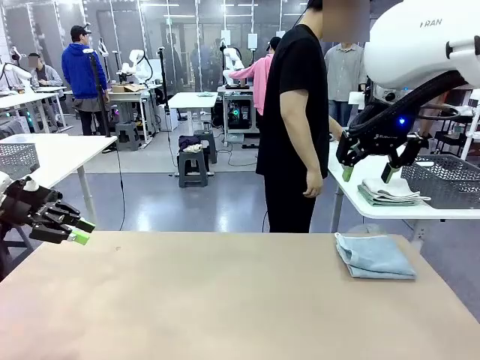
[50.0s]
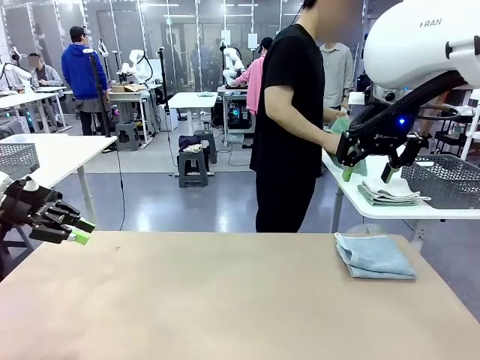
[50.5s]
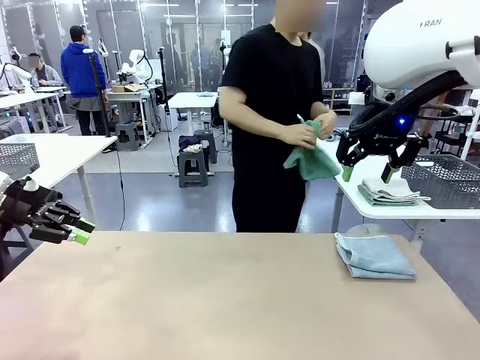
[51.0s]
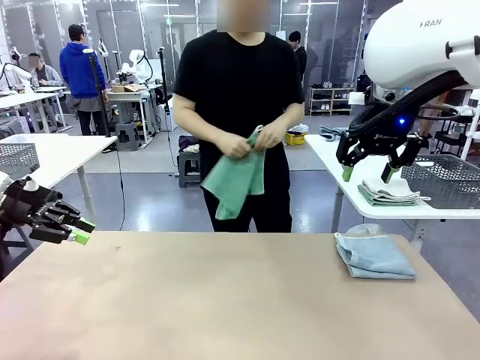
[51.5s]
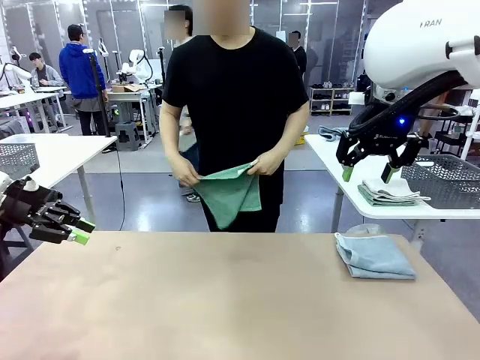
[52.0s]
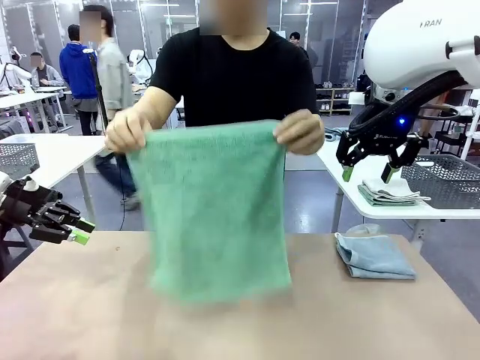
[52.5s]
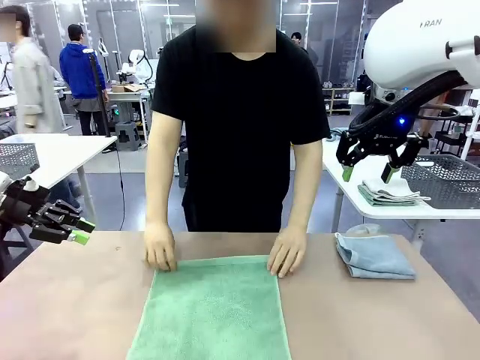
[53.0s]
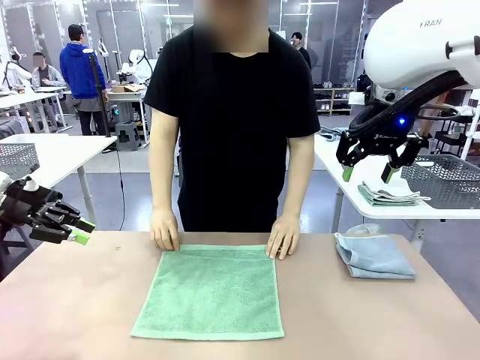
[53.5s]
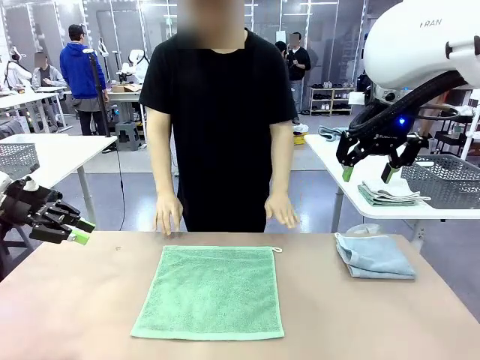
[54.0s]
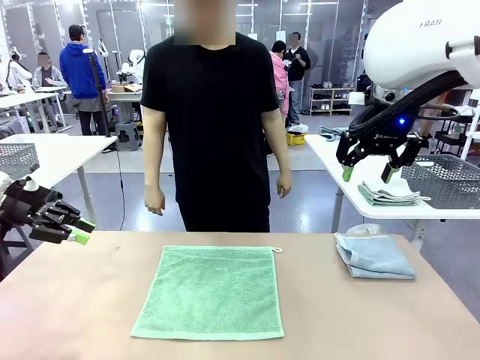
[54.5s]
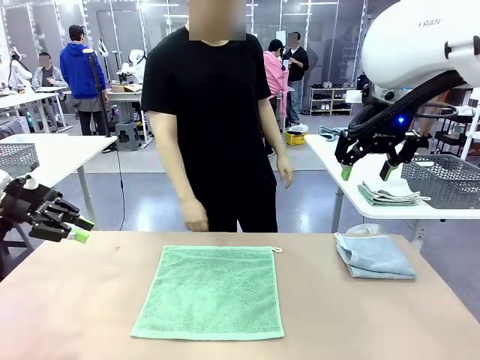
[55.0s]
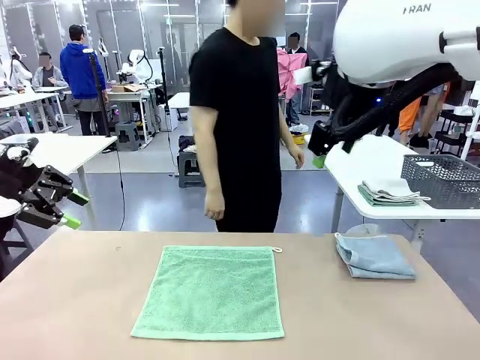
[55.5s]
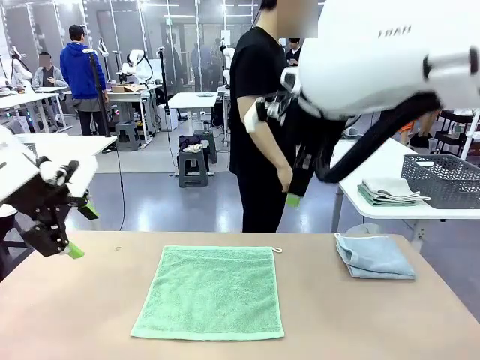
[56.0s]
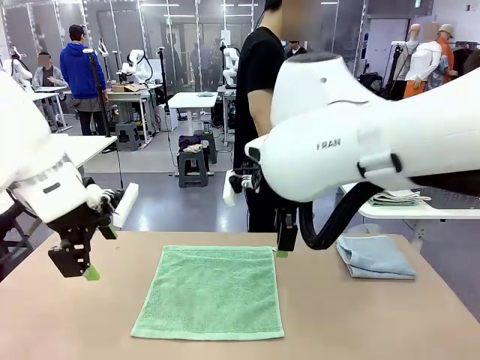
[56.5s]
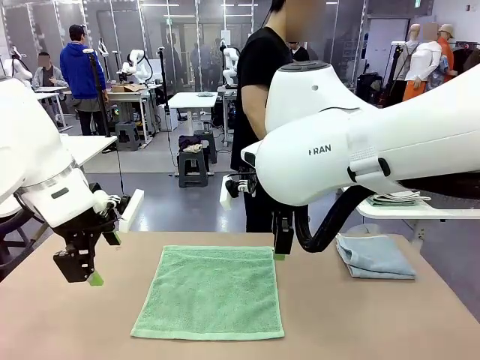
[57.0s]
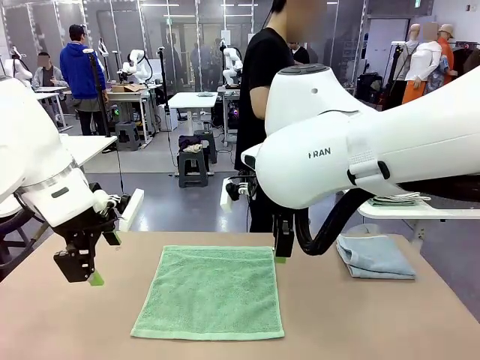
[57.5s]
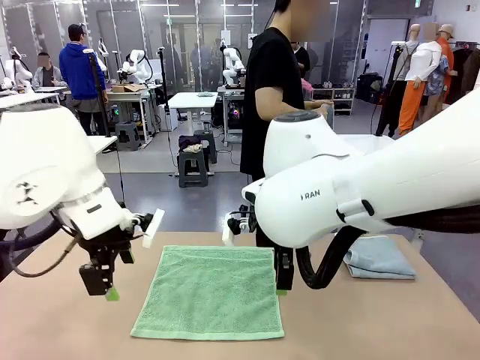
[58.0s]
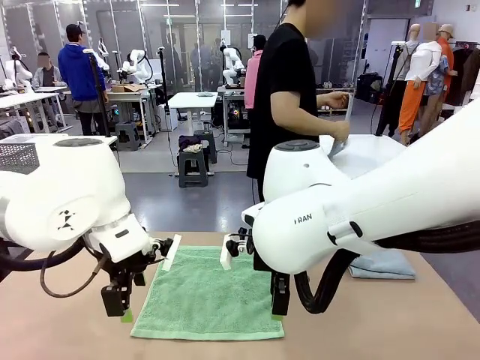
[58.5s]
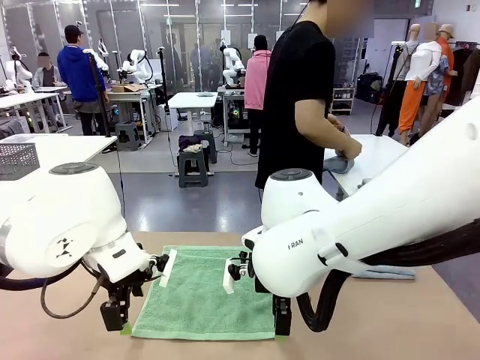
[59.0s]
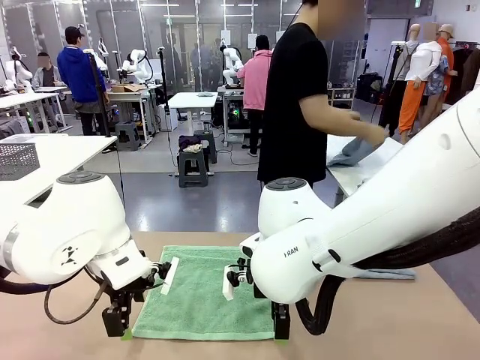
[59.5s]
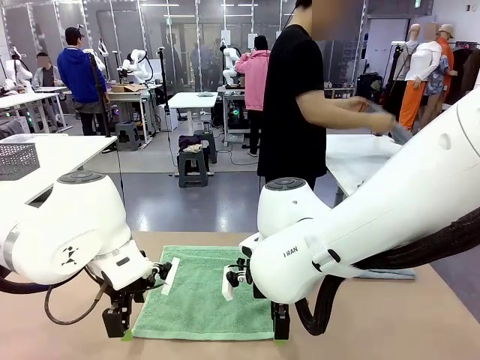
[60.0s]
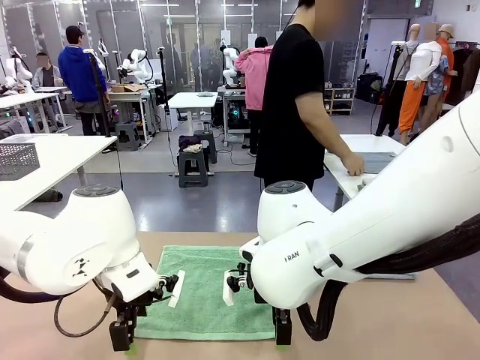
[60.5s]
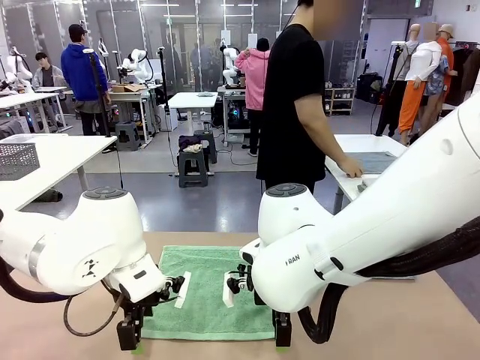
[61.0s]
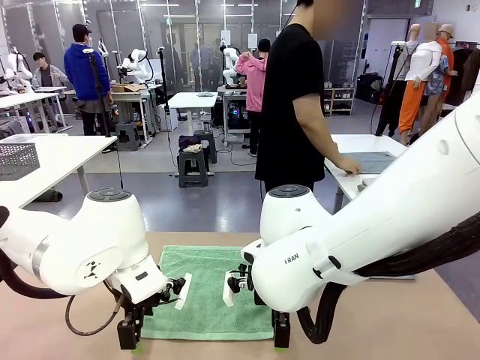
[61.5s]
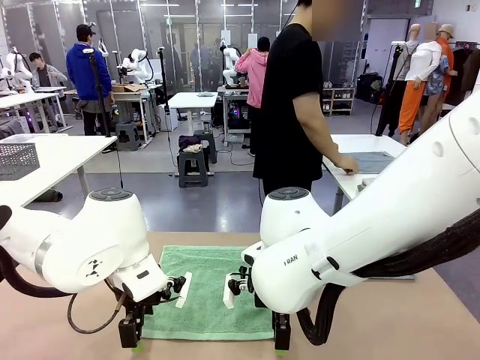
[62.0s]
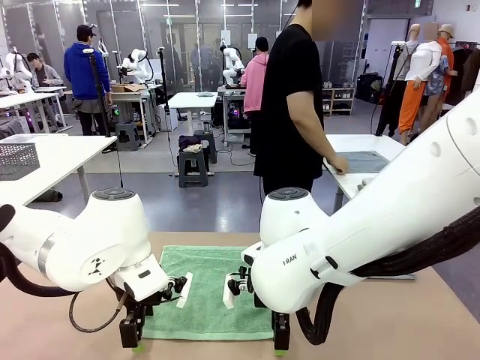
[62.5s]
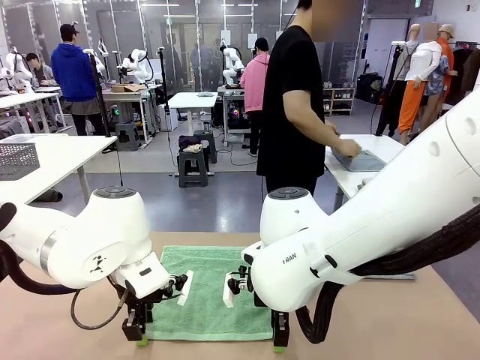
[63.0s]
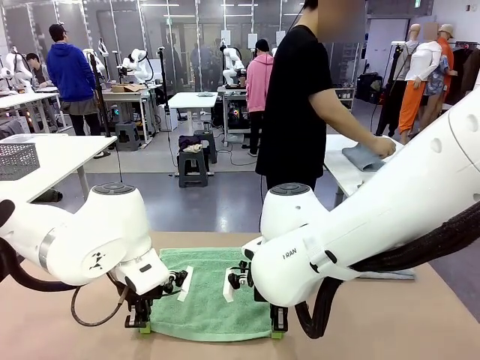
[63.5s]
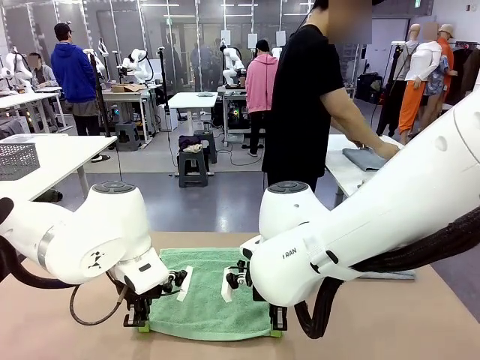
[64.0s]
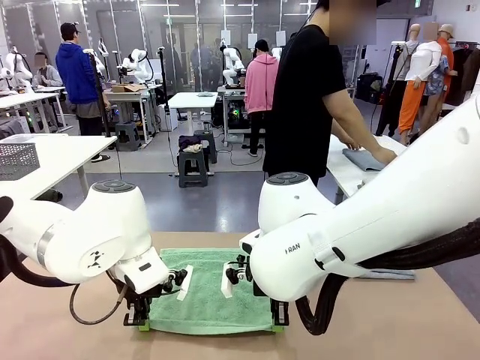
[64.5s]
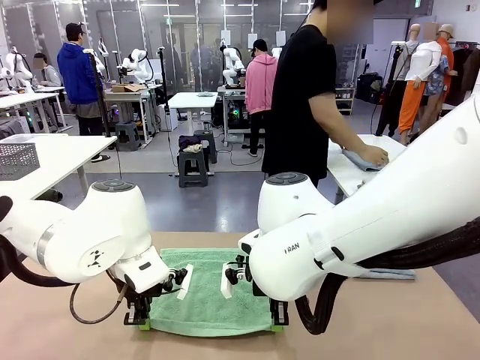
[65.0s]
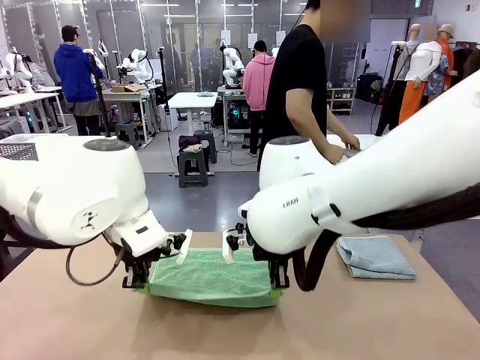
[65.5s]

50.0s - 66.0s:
Task: Fold the towels and place them in the basket.
Robot: When a person lays out a Towel with hook on the table, fold it in half twice.
Person: Pick up one towel from the left side of the human table and spread it out at the center of the robot table. Pick up one towel from the left side of the human table, fold it in half twice, and stack it on the right side of the table.

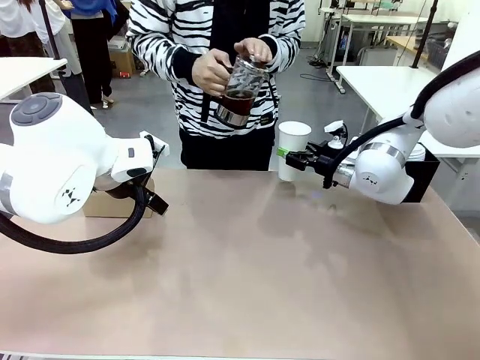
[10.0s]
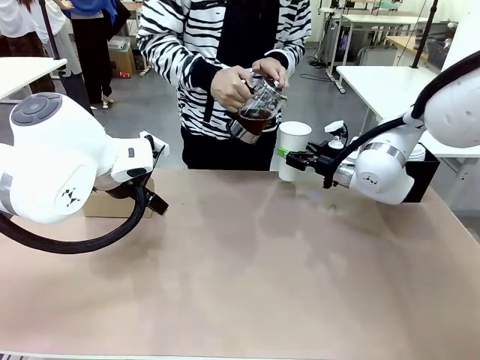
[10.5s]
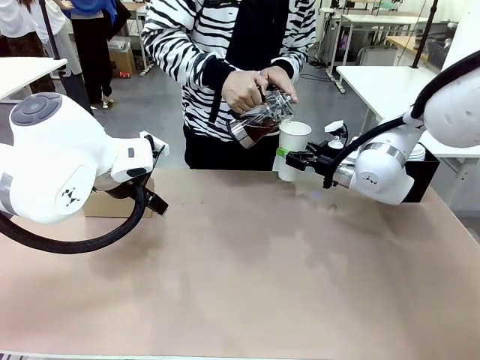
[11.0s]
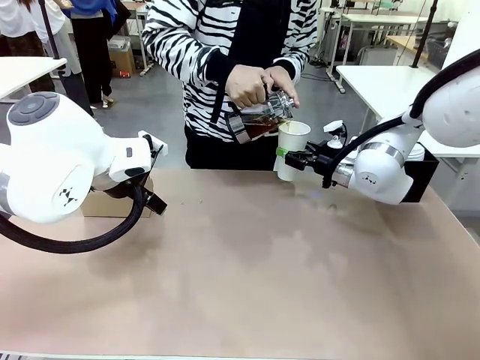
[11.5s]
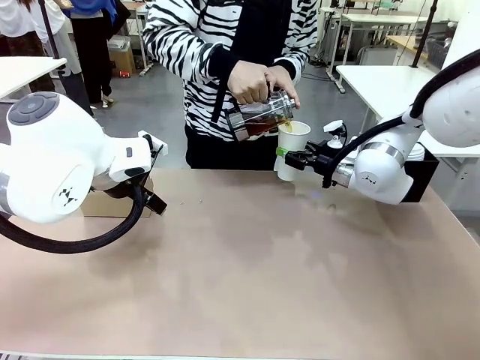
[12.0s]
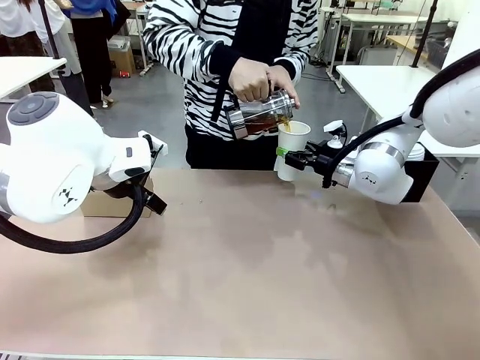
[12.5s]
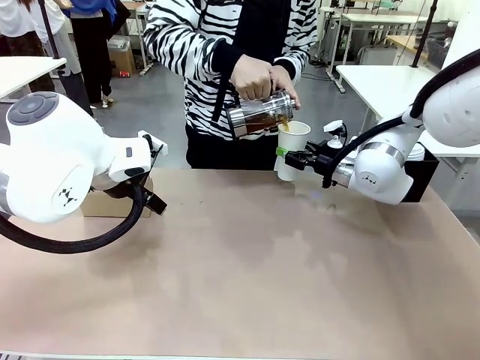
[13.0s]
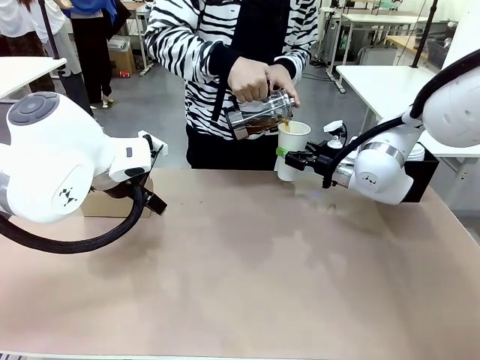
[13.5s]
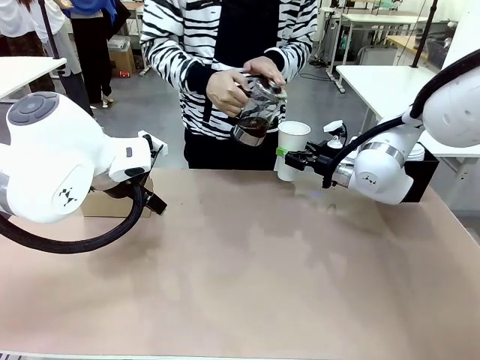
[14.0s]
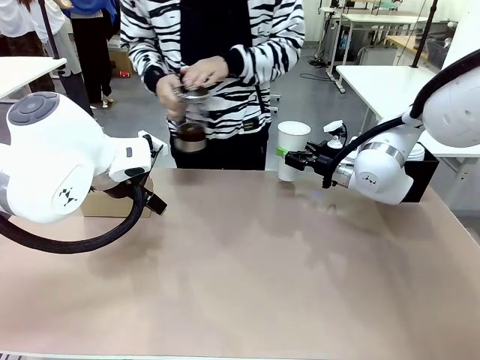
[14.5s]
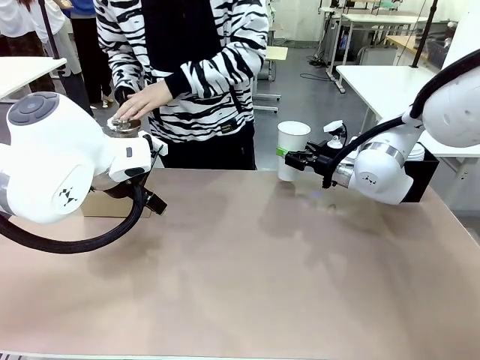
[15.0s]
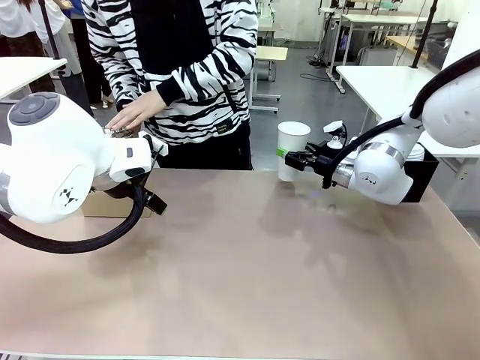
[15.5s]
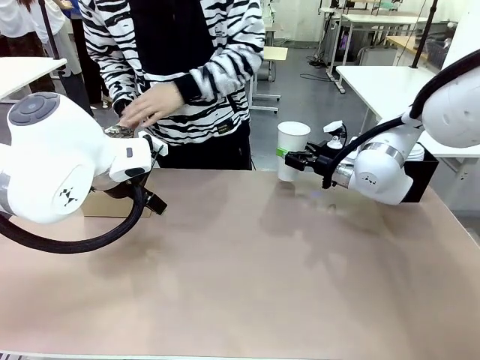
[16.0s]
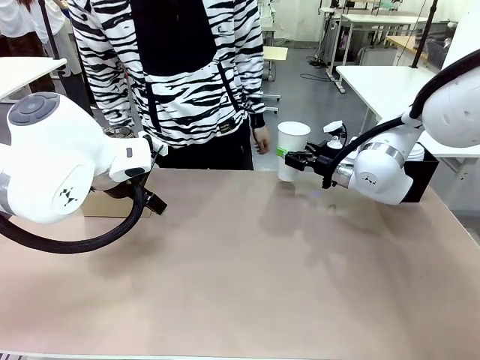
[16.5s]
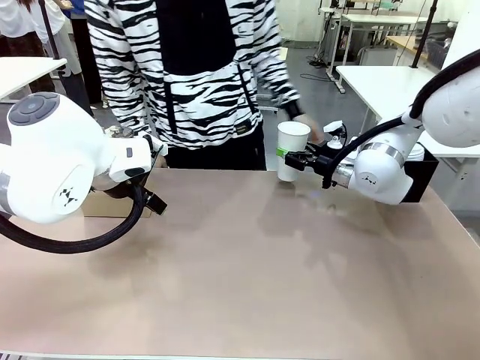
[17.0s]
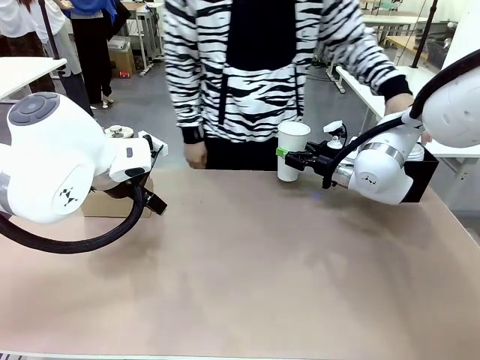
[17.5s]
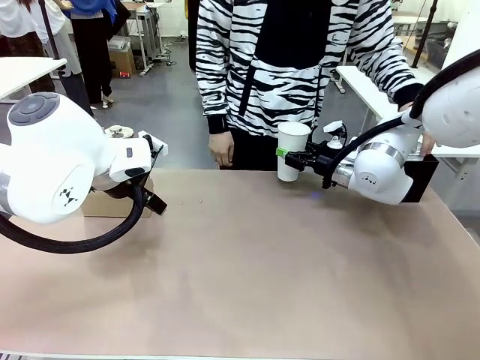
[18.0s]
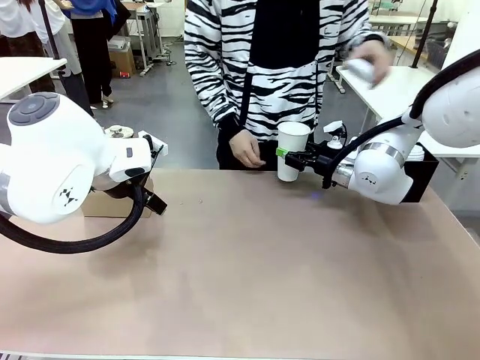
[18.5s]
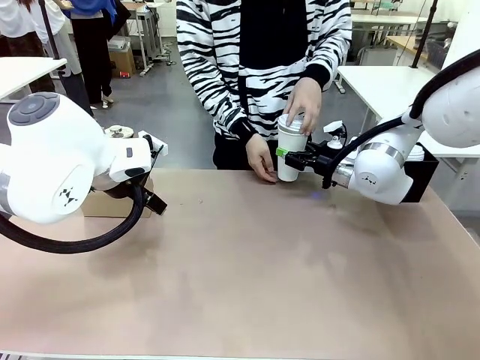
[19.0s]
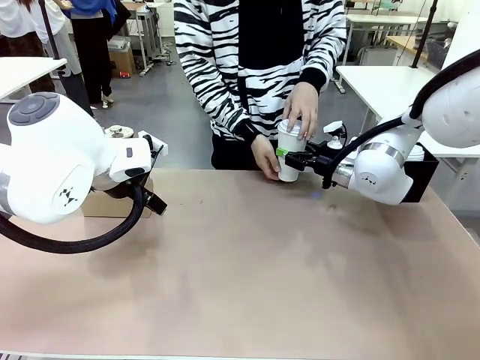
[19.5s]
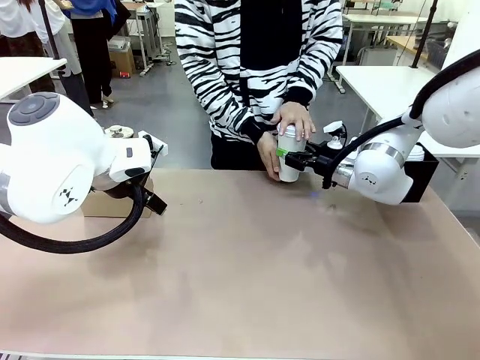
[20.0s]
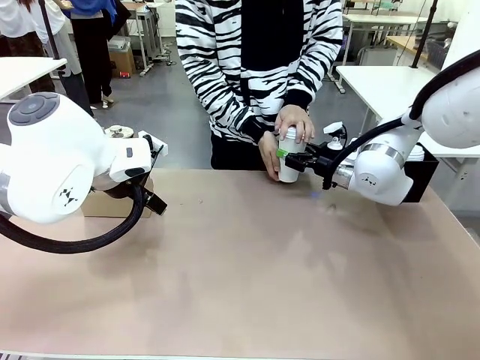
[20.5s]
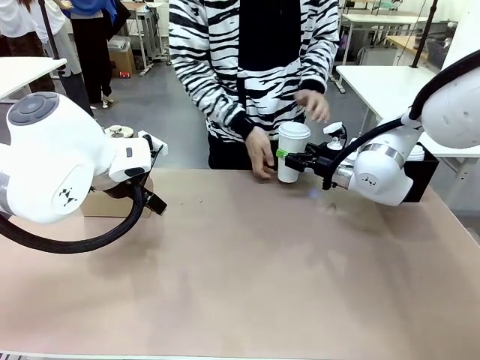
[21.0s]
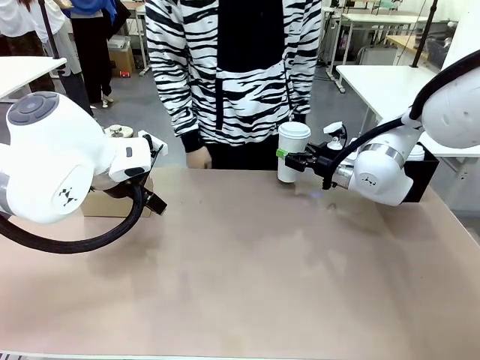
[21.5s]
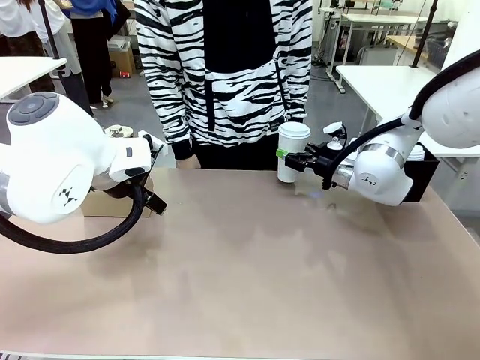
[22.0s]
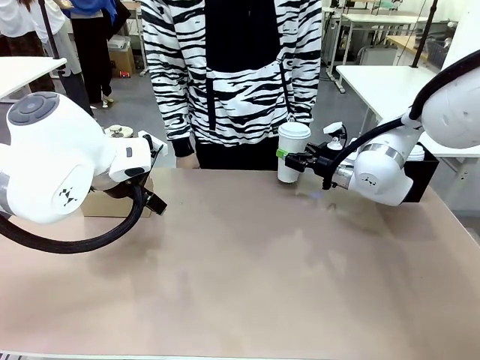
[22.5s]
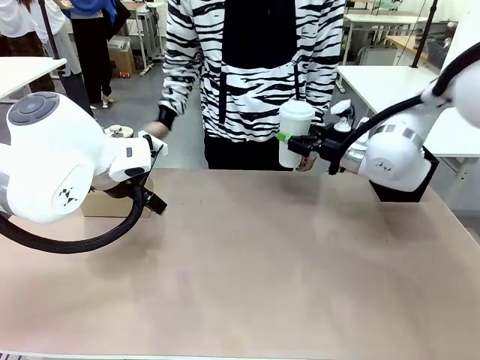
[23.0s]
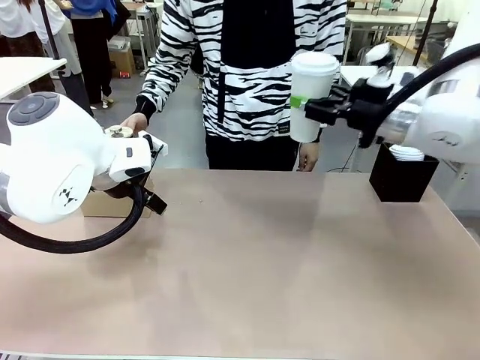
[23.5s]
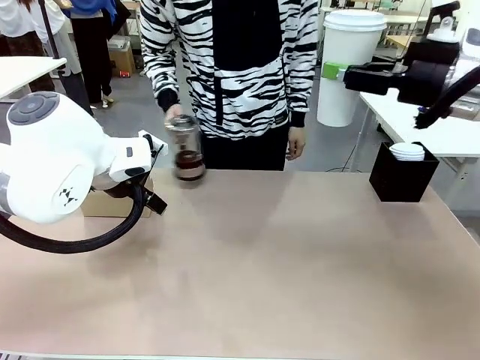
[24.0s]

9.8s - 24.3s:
Task: Pour a drink into a cup and package it in a carrier.
Robot: When a person places the Paper Cup Lid on the 600 ml Paper Cup , lift the 600 ml Paper Cup.
Person: Pour the drink from the Filter Brewing into the 600 ml Paper Cup. Place a Paper Cup Lid on the 600 ml Paper Cup.
